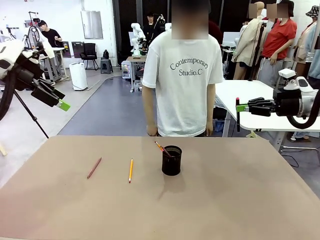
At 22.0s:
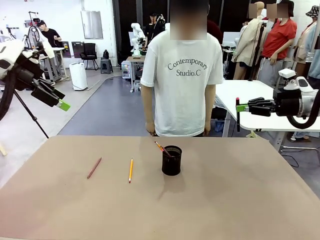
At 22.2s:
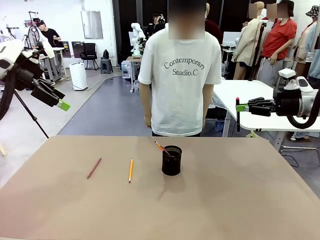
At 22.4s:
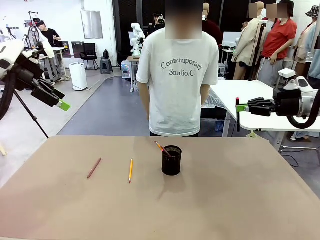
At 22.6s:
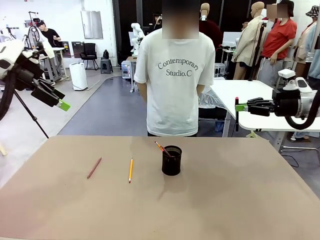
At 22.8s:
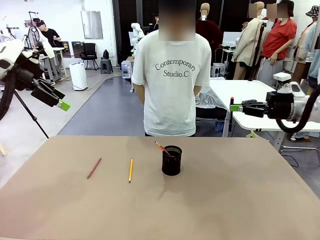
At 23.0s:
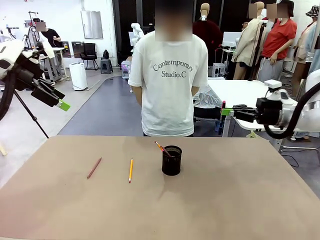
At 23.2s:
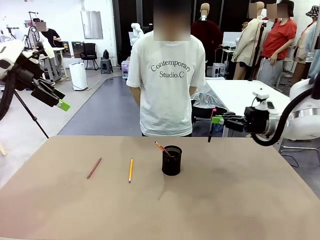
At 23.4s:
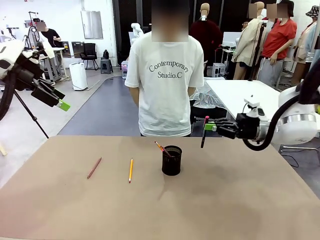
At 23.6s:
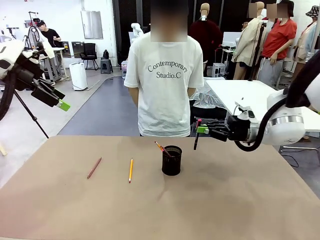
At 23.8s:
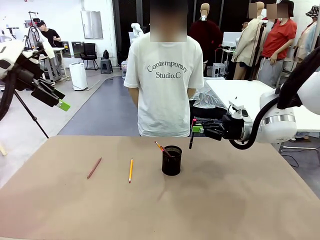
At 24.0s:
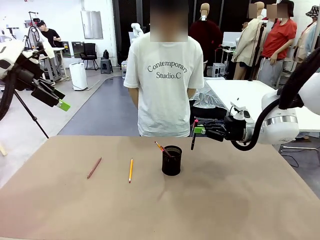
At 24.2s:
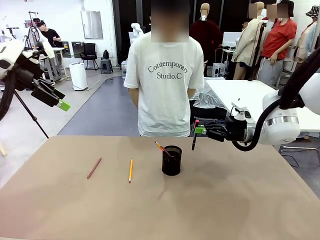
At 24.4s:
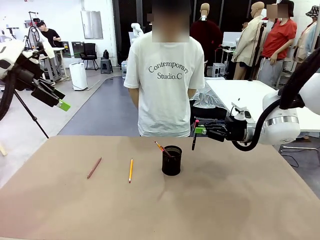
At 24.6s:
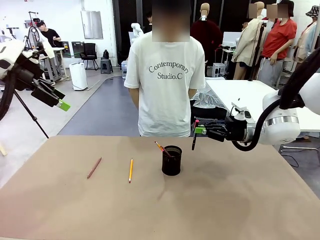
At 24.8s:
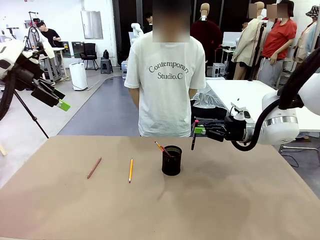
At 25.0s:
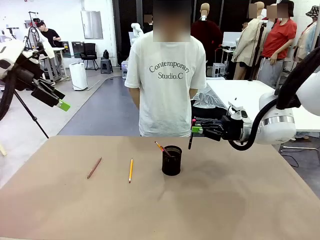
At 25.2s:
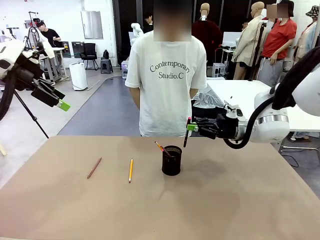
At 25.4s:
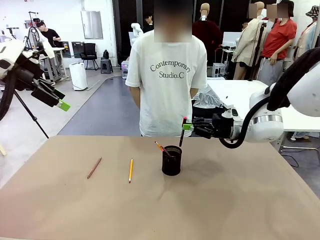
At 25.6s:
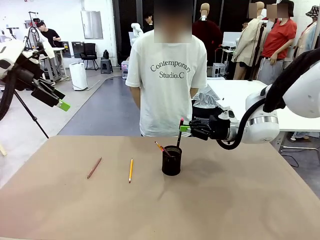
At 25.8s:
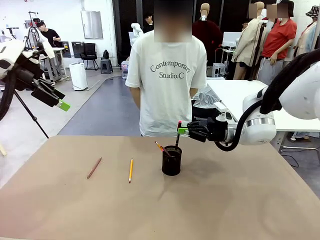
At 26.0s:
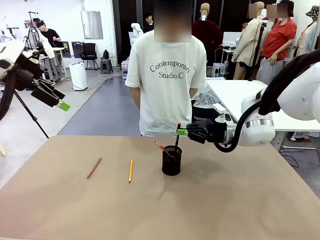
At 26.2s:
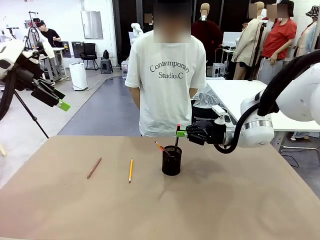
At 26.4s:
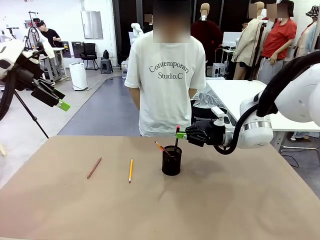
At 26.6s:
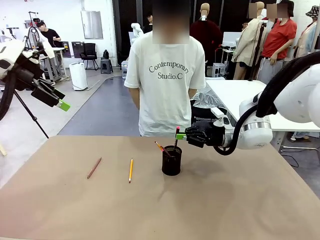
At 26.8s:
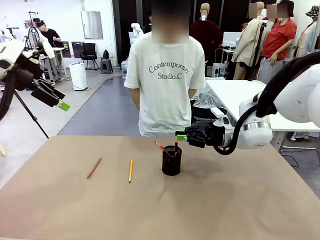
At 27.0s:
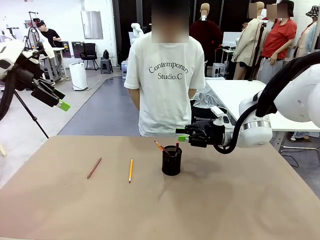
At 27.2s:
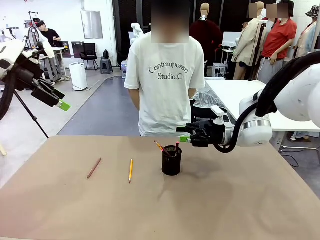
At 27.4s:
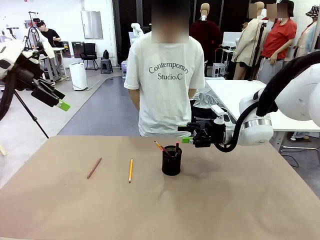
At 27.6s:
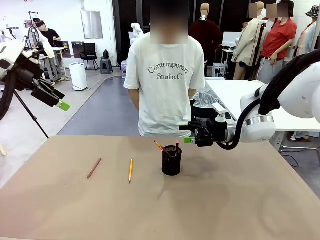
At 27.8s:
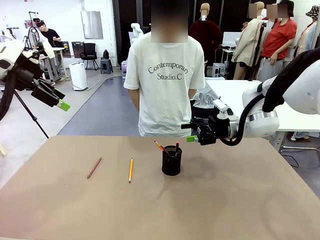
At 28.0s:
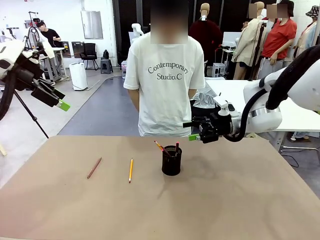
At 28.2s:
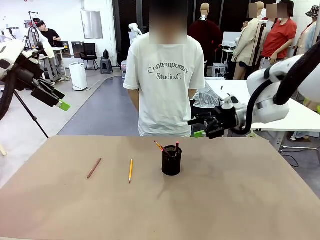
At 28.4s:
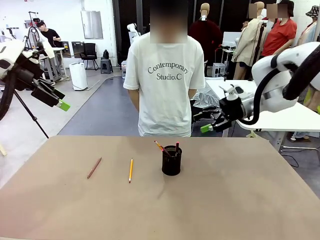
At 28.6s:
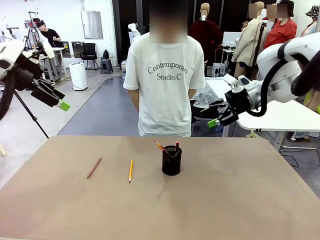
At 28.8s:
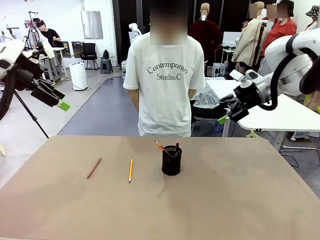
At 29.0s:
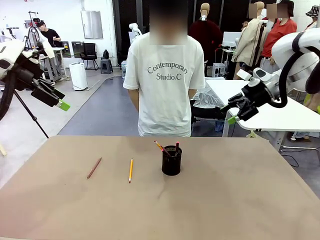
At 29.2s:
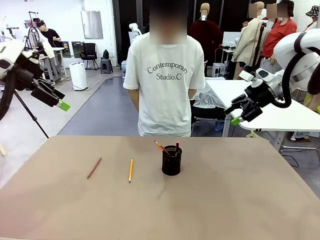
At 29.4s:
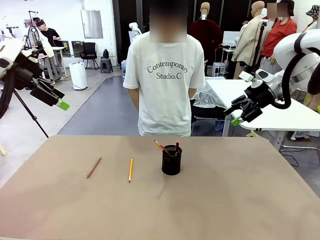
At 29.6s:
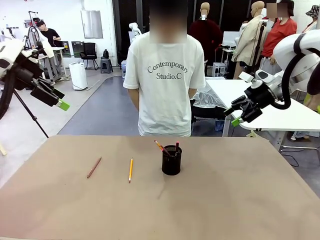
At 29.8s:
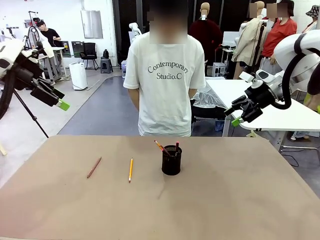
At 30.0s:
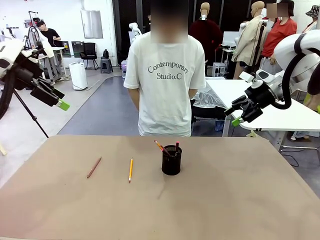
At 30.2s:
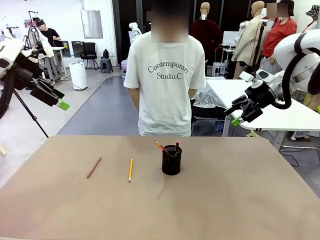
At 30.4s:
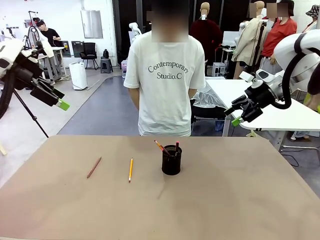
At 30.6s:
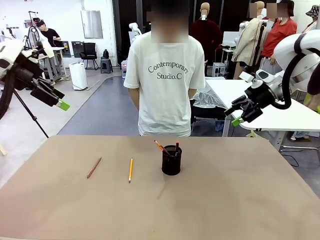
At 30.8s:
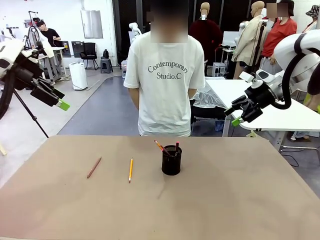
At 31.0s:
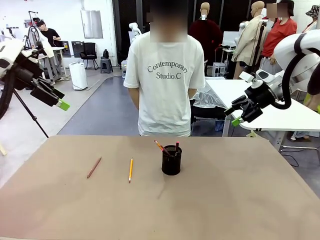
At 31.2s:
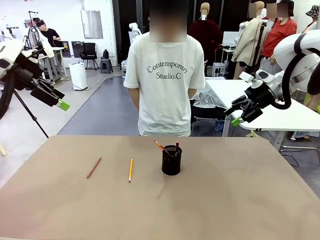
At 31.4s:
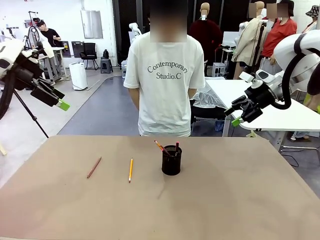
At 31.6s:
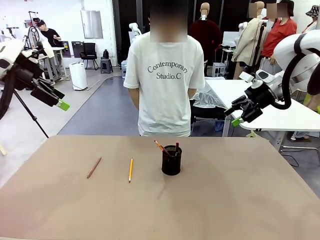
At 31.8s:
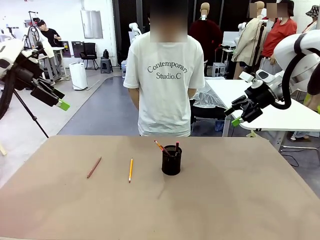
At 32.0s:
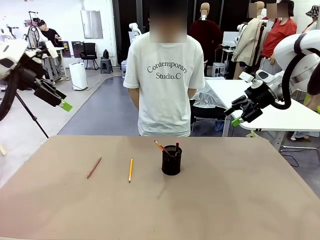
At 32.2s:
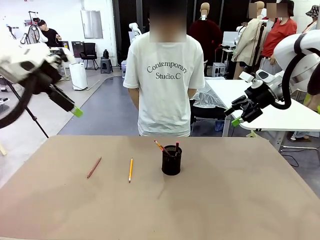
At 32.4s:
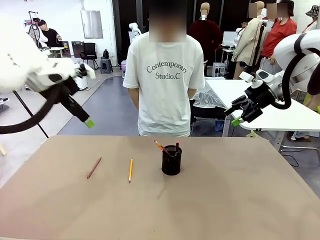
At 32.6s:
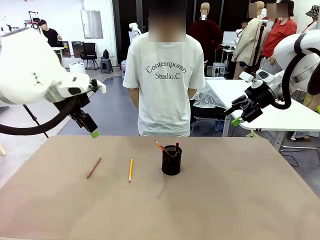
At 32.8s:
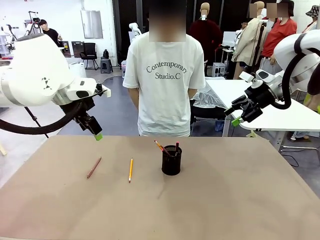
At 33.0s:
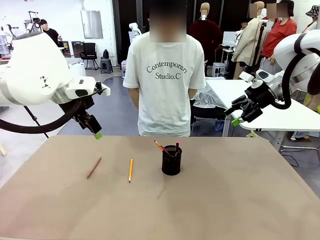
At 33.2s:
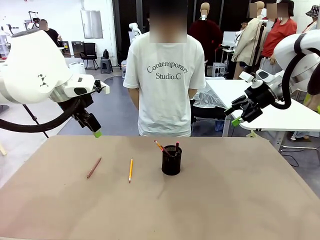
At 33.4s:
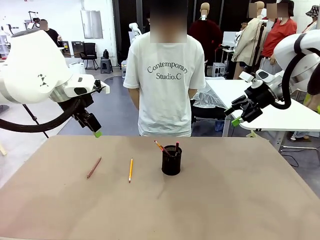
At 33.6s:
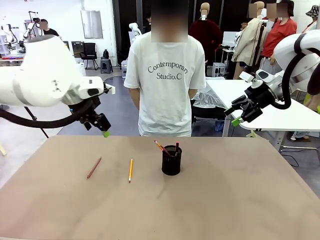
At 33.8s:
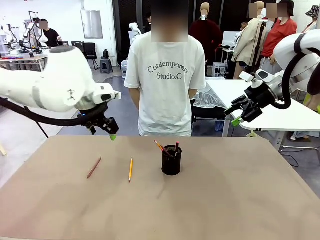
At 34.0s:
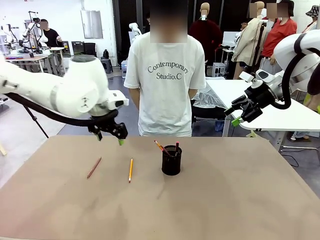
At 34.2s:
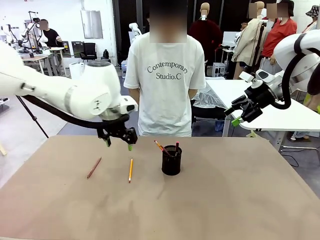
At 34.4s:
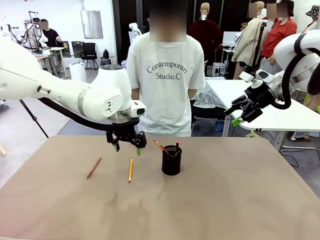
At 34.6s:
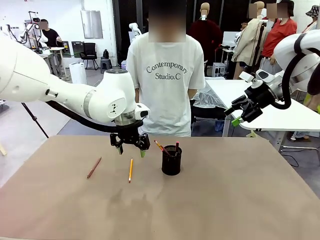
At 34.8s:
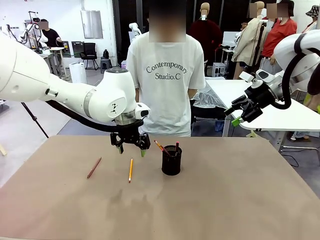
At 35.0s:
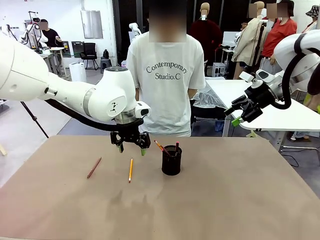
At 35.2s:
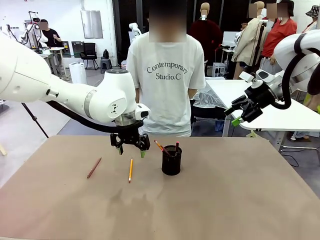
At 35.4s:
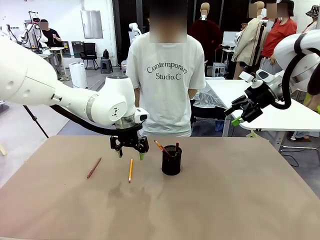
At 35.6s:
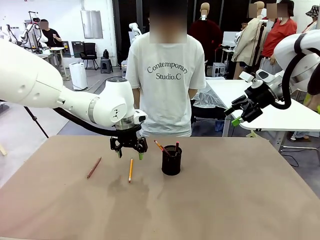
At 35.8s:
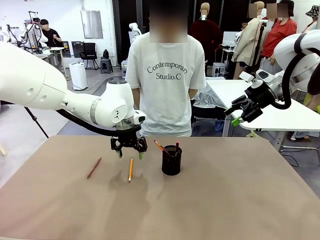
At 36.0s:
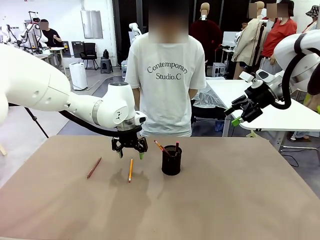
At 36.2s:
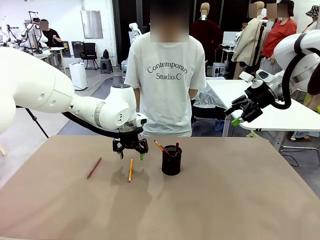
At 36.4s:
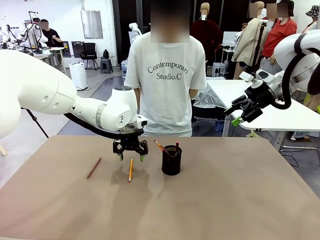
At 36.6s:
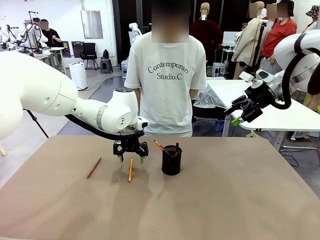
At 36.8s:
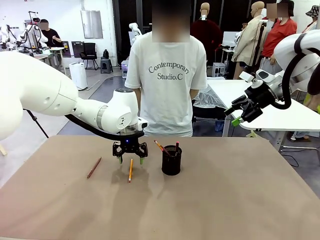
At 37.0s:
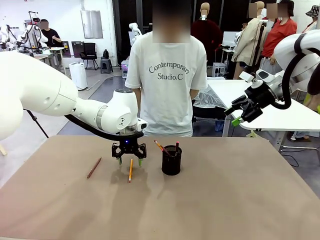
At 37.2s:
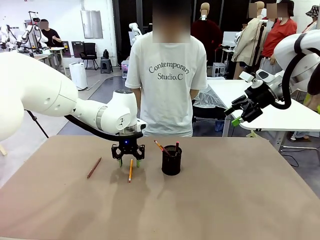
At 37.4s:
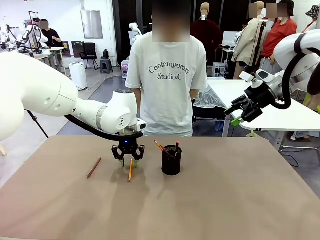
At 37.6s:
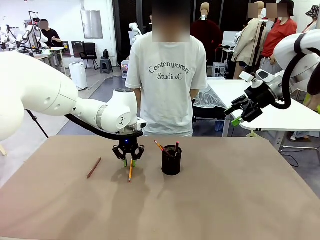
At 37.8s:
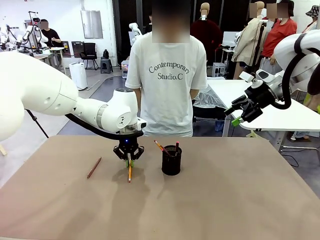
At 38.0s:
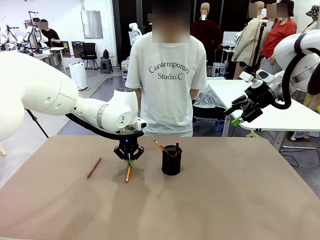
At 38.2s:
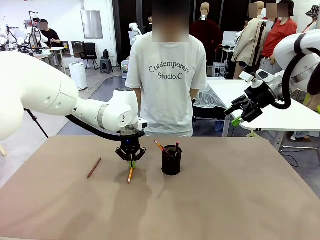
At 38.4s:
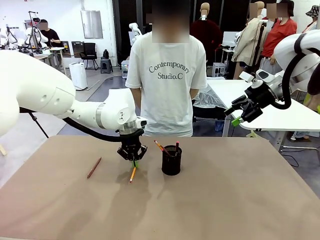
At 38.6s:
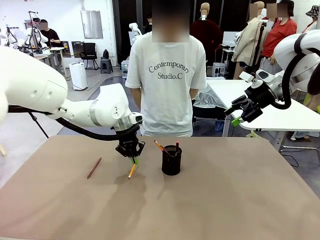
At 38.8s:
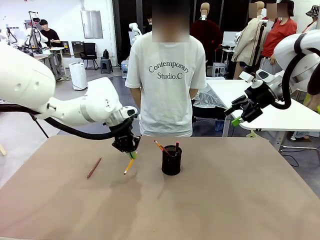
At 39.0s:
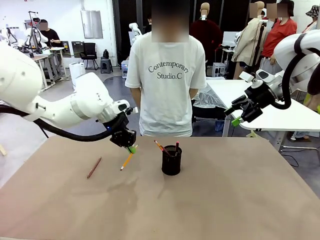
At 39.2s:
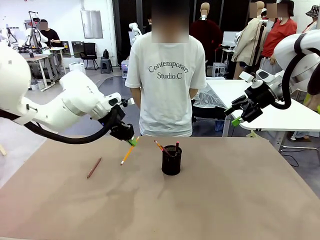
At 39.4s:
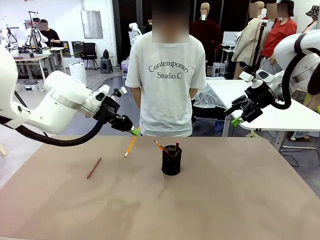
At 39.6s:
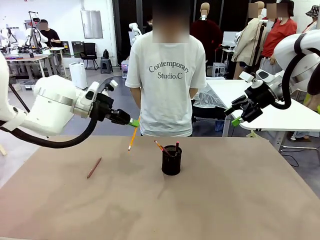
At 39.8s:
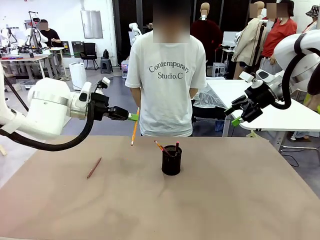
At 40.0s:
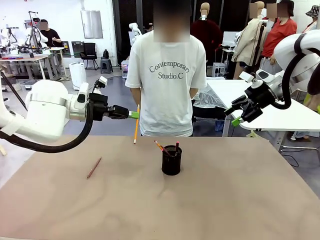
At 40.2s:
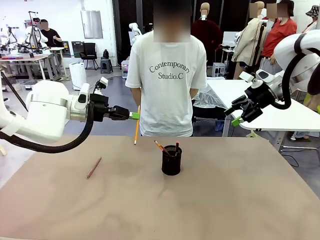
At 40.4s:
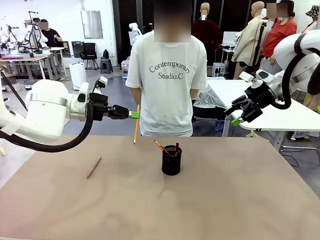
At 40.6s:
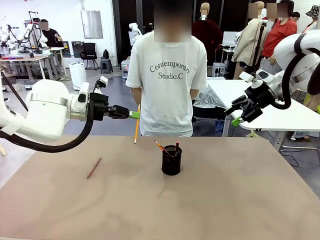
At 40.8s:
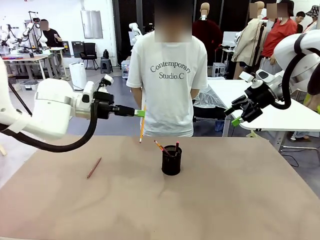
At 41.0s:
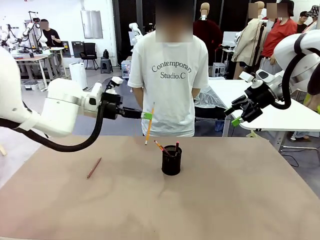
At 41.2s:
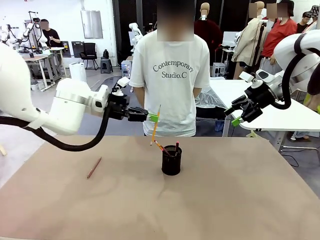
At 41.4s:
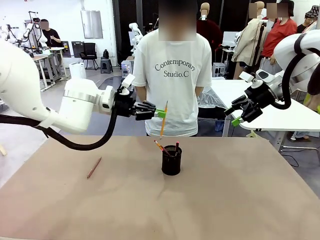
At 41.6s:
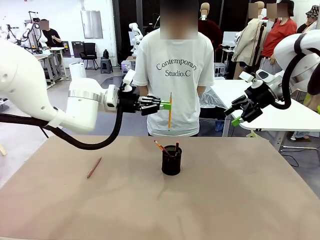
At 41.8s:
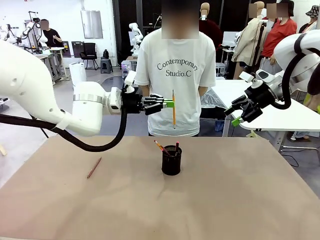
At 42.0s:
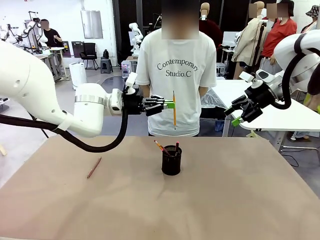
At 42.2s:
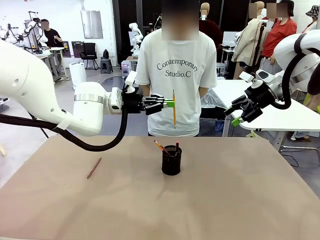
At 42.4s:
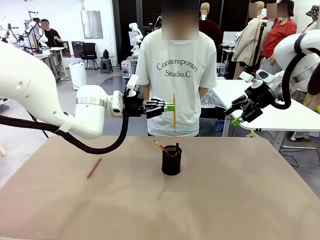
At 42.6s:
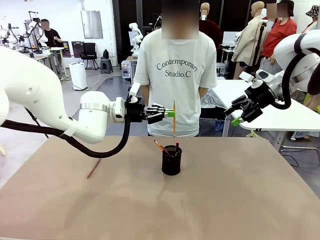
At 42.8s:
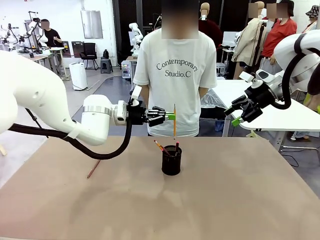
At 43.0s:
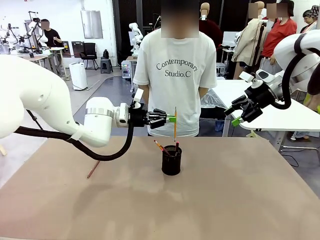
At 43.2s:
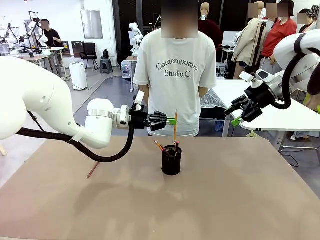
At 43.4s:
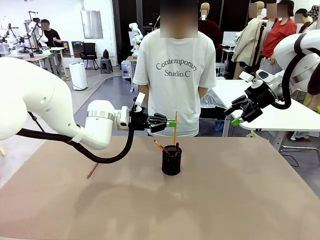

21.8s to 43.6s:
Task: Place the pens into the pen holder.
Robot: Pick up a writing instrument from the table and place it into the Pen holder.
